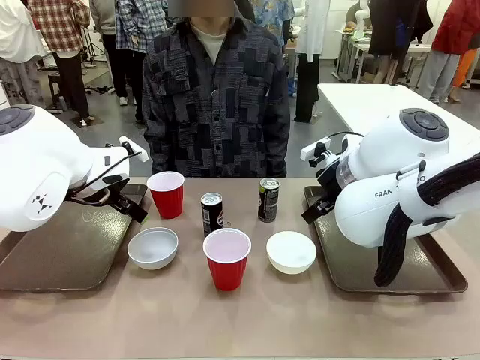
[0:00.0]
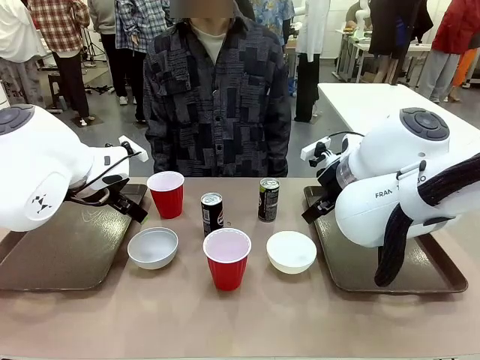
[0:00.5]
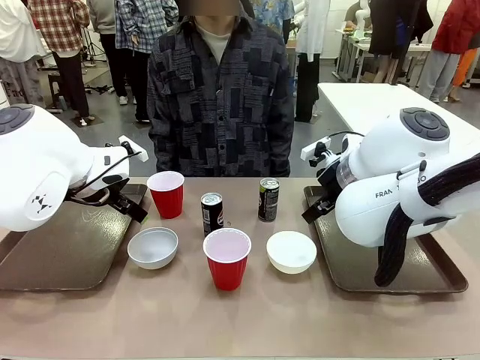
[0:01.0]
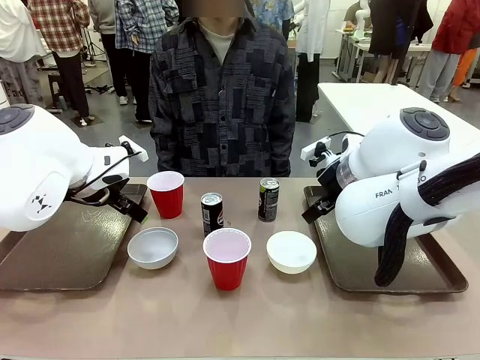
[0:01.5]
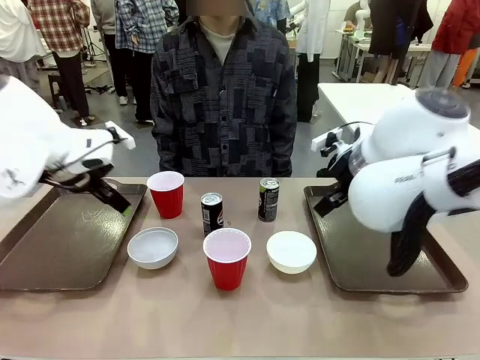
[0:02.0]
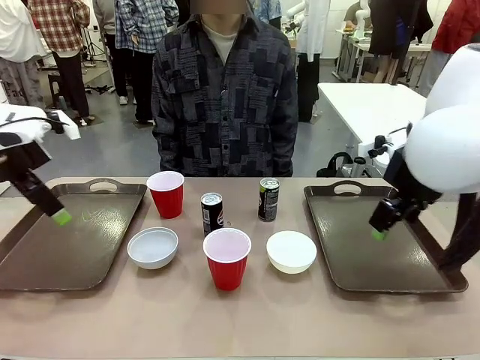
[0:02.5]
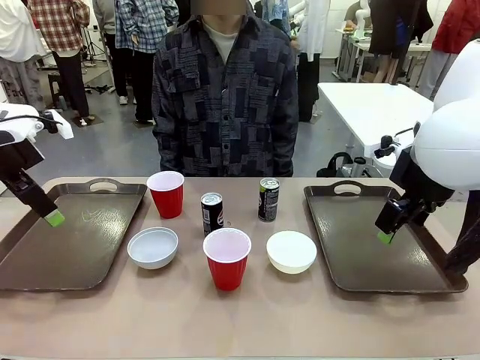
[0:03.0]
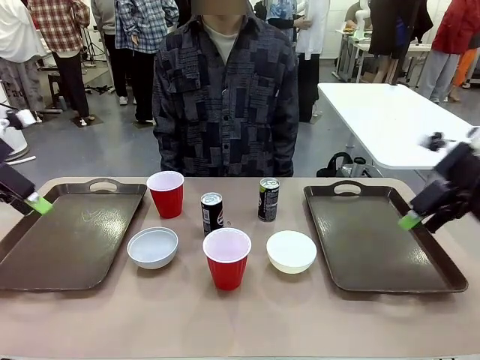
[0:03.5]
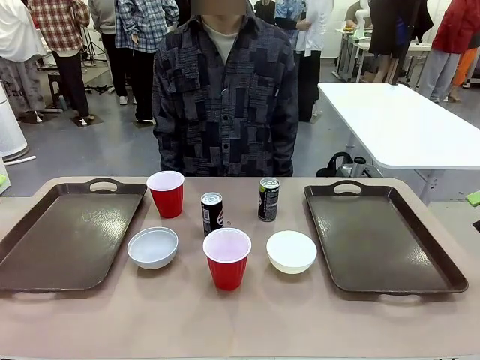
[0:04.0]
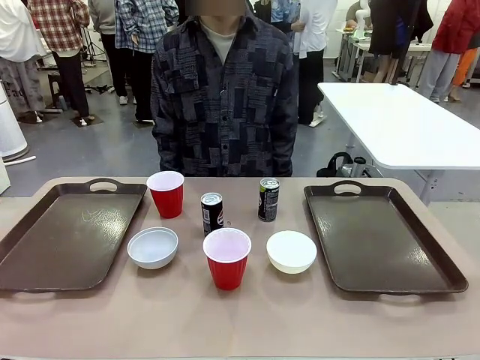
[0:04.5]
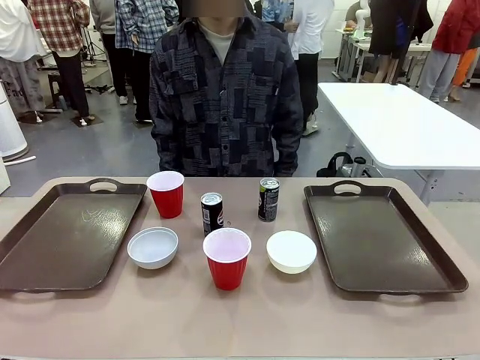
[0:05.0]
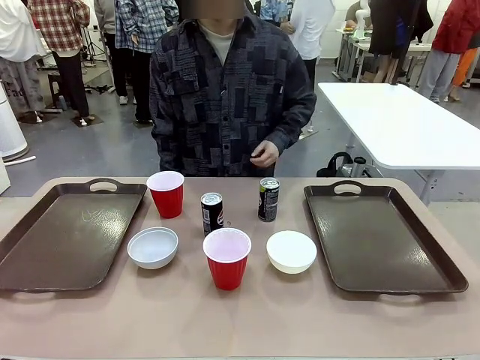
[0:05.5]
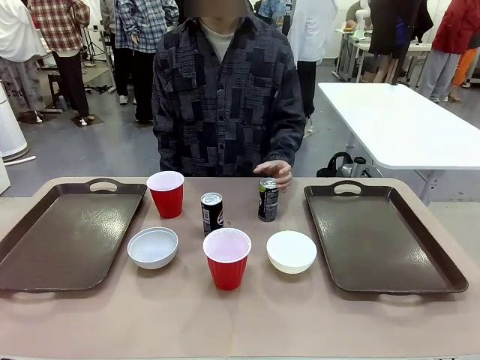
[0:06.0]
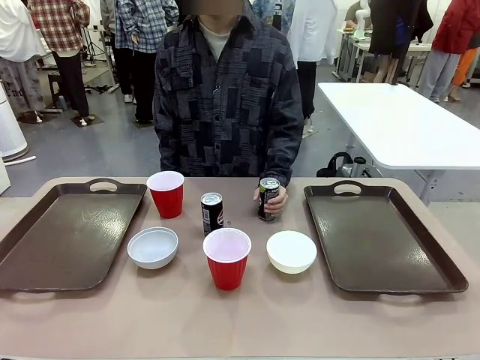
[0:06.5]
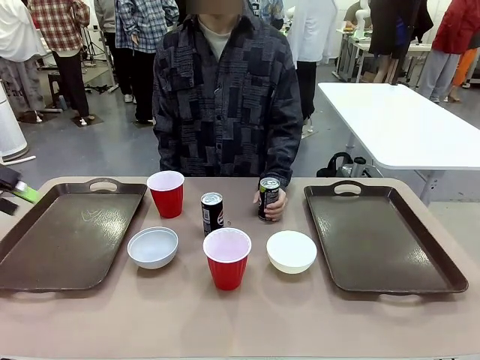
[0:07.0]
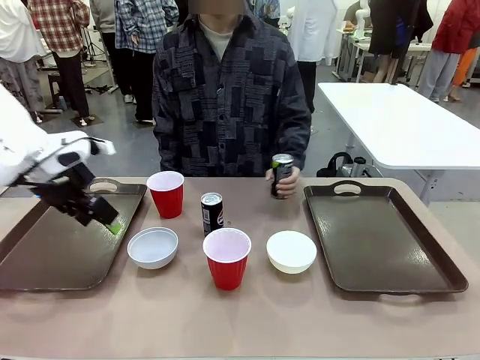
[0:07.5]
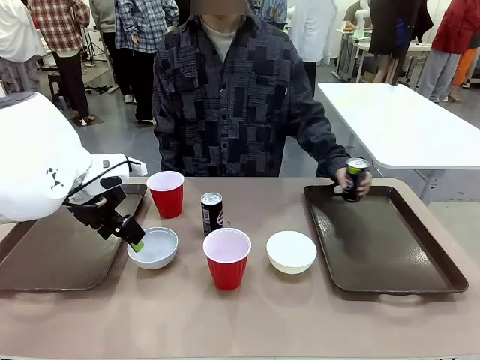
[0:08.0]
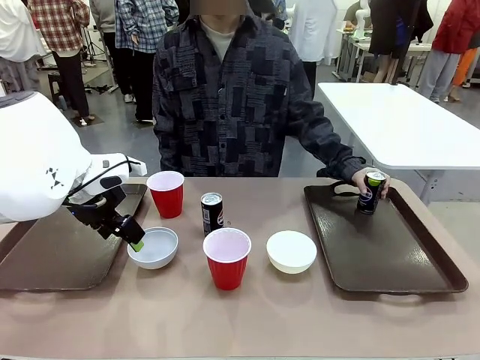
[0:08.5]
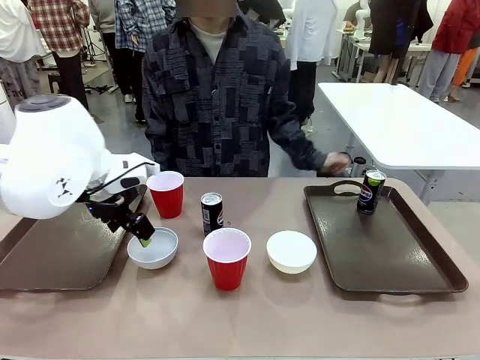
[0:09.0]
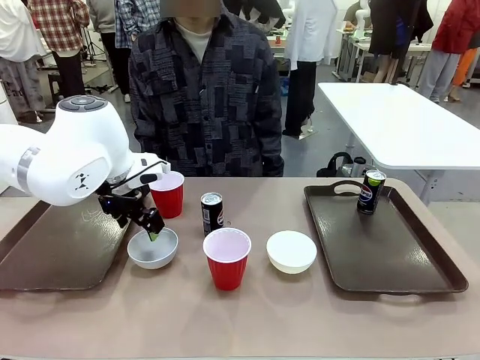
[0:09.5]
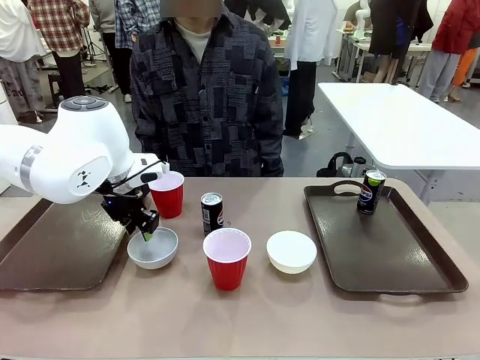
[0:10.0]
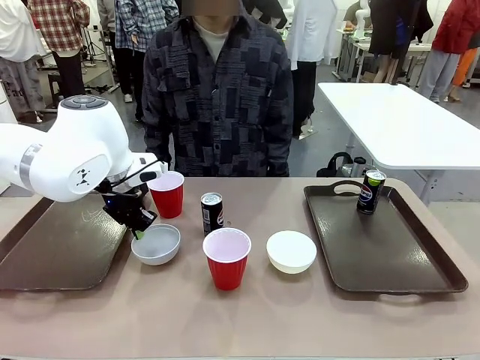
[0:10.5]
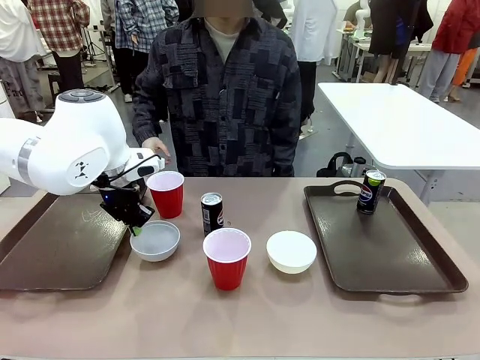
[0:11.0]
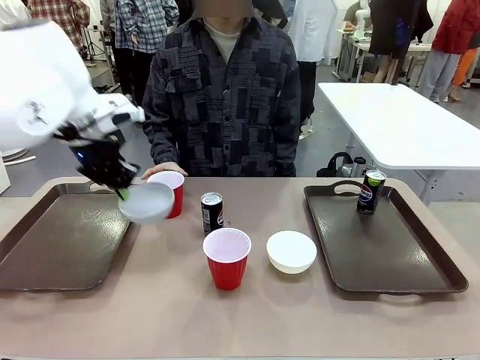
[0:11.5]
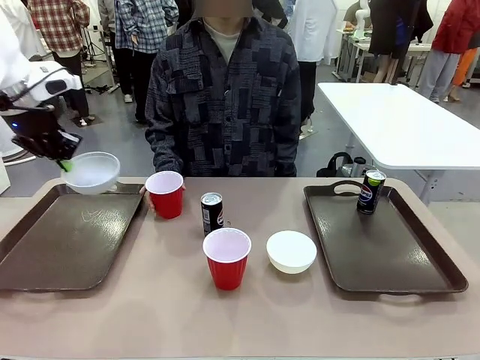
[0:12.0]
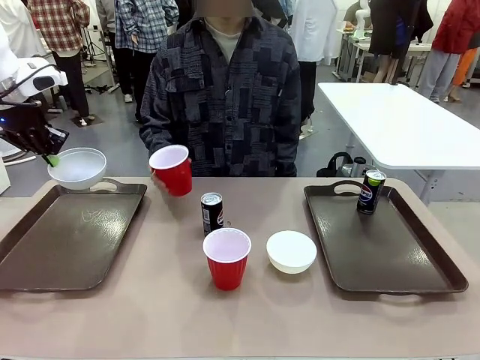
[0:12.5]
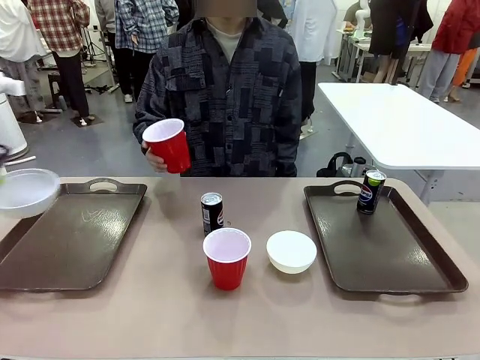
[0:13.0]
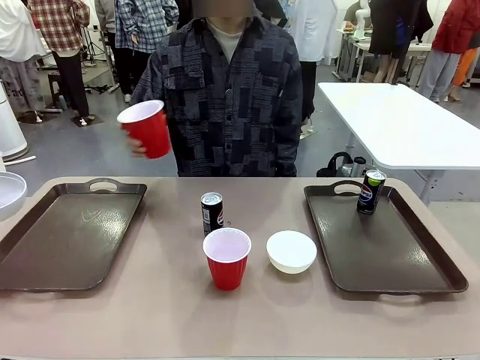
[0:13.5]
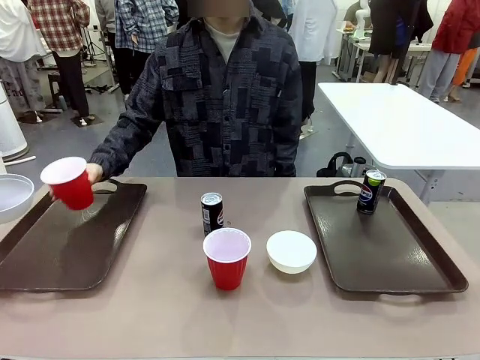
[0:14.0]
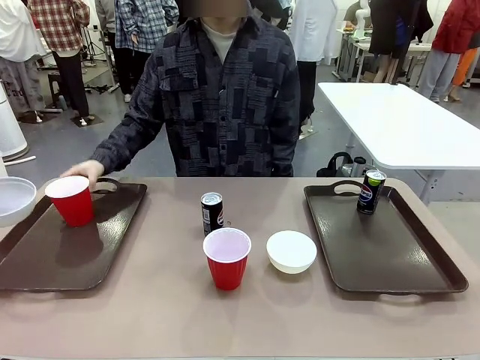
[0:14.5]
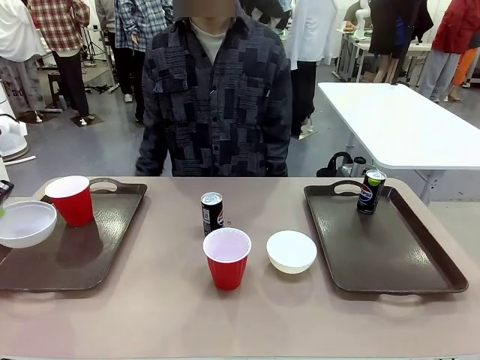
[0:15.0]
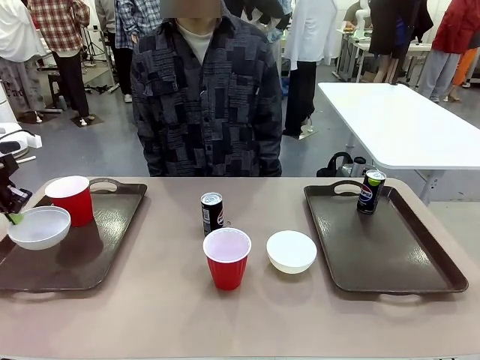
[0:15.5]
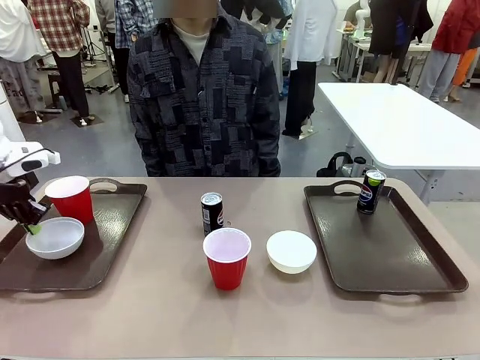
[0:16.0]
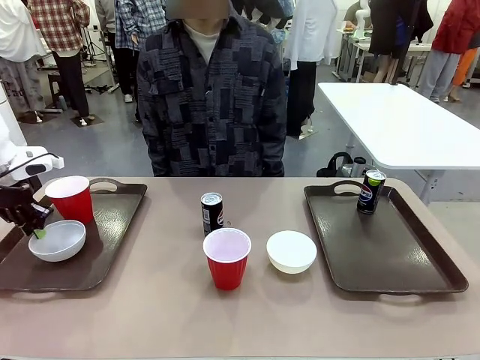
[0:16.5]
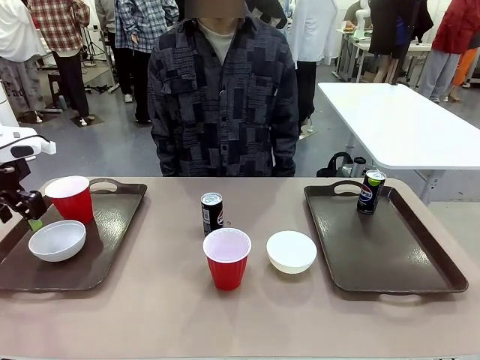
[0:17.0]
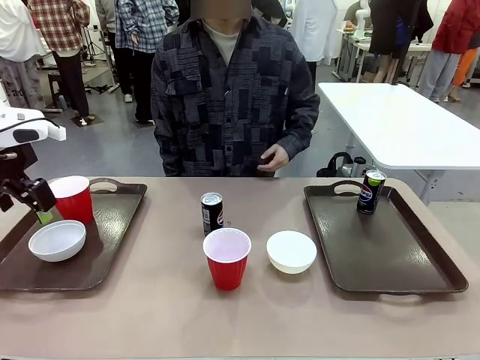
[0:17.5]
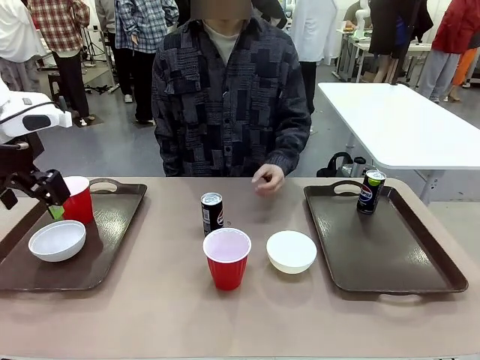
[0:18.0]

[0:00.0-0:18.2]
Task: Prepare tableware on both trays.
Robot: Pick up a Picnic Bowl from the table and place it on a Handle tray.
Person: Pick up a can or cup and place it on the tray.

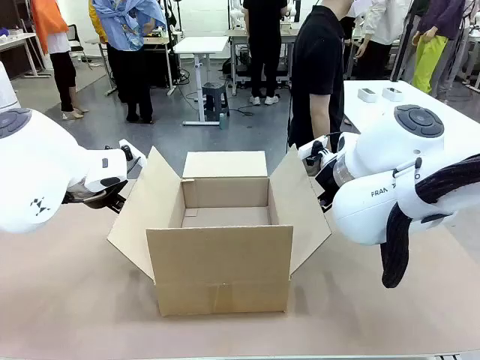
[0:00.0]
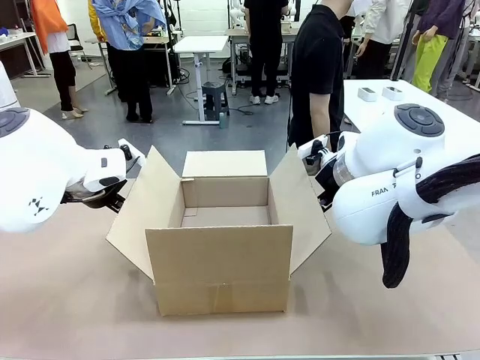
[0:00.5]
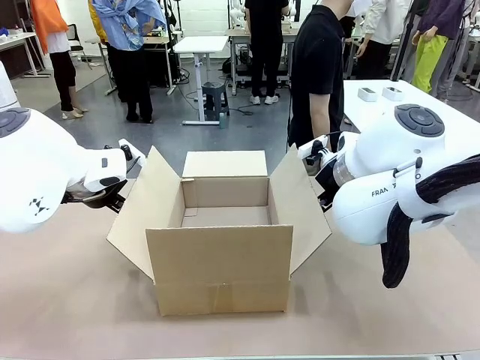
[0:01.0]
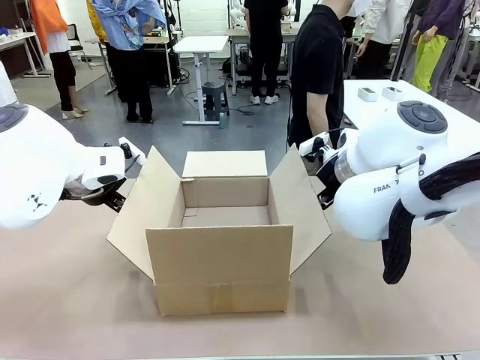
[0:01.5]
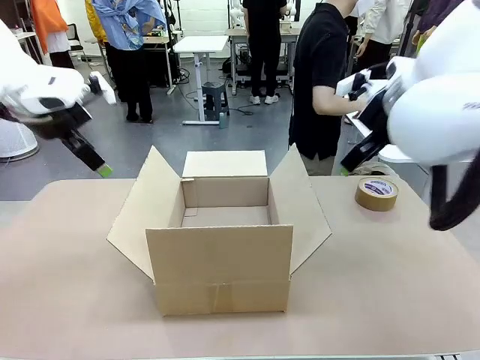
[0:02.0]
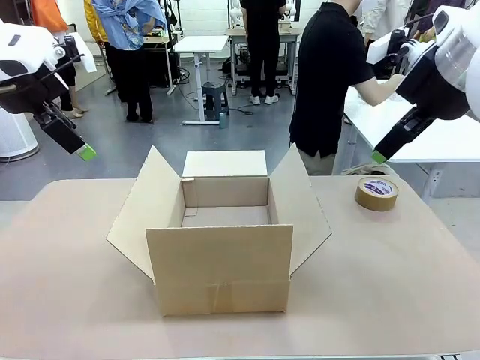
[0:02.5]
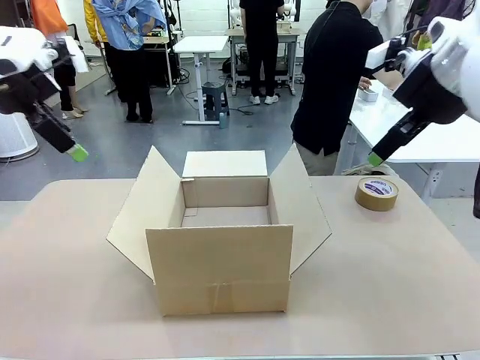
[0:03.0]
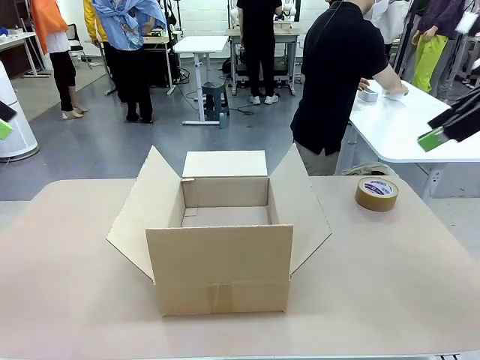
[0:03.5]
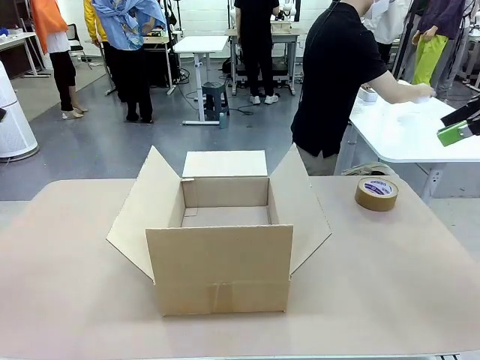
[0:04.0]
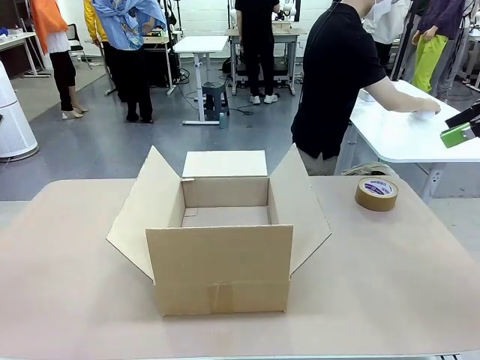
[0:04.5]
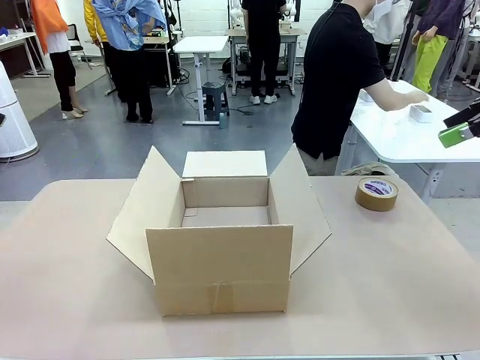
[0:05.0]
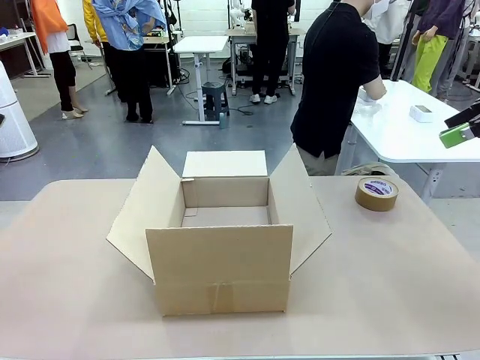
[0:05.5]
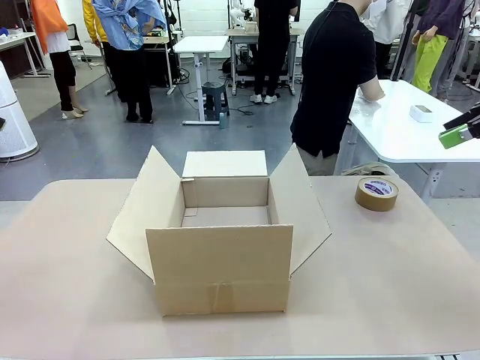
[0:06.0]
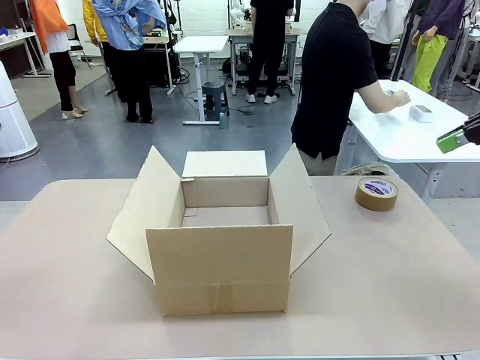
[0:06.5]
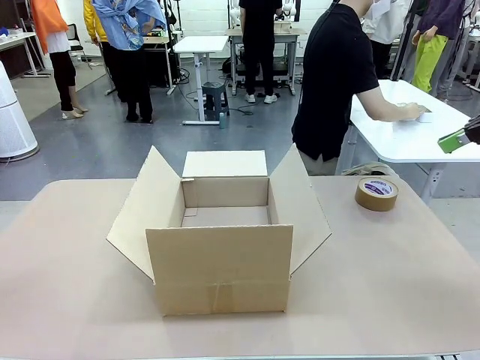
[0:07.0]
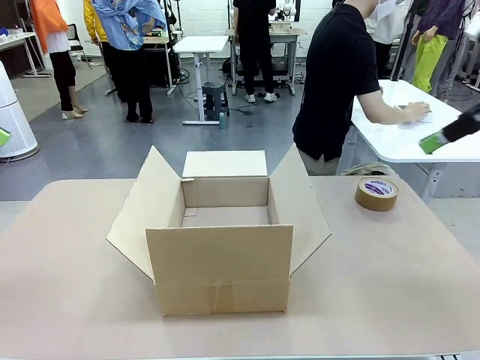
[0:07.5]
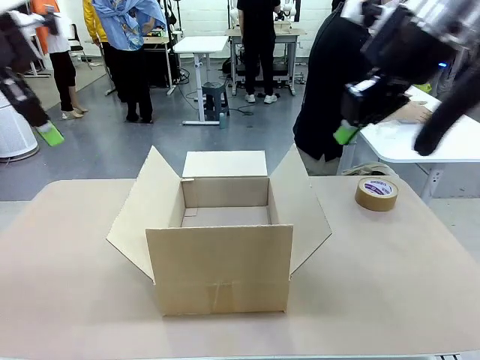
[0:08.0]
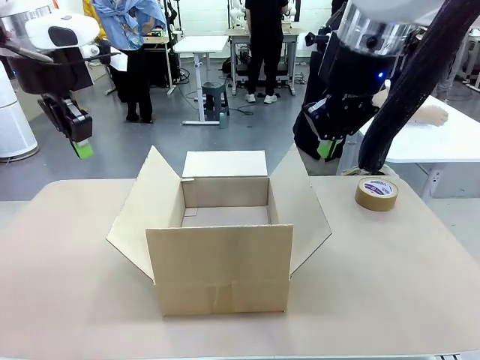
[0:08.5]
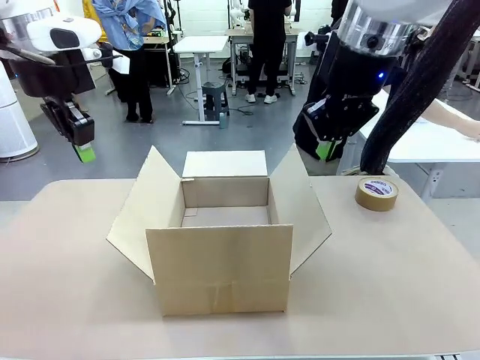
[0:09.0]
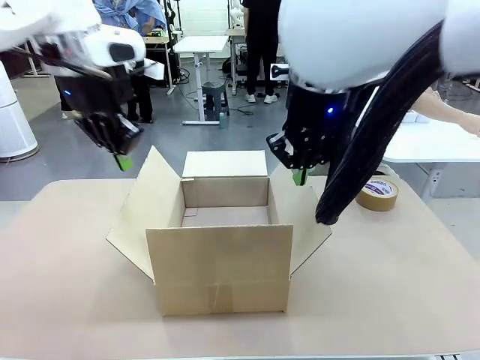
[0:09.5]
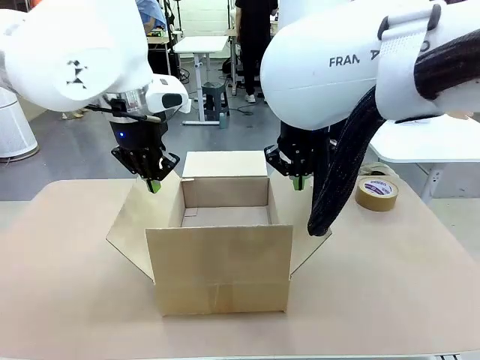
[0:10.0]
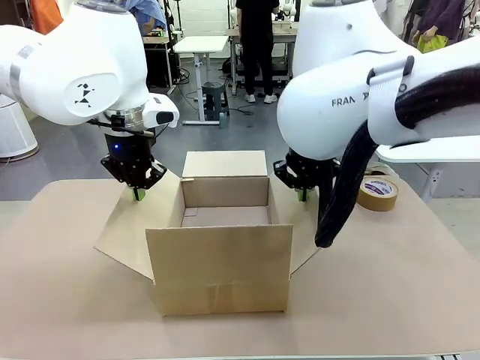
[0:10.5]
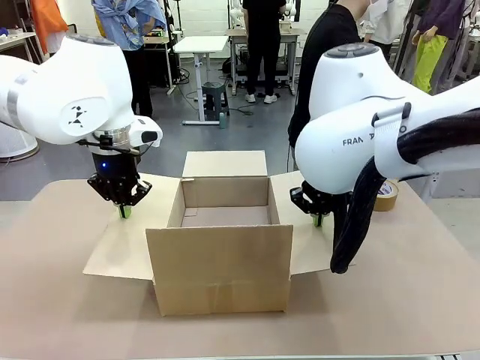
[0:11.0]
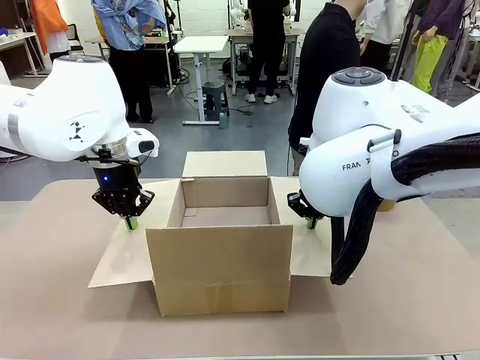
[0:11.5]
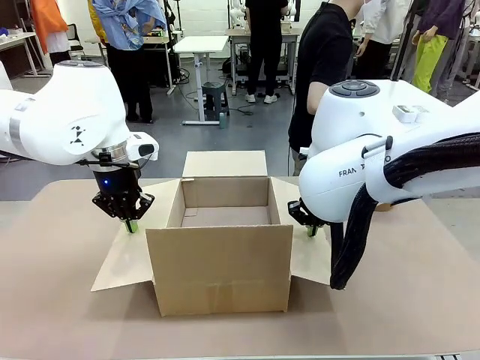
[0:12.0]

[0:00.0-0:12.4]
Task: Wrap the clocks to prevent damage.
Robot: Open the side flaps of the Package Box.
Person: Wrap the two Digital clocks with Bubble Wrap.
